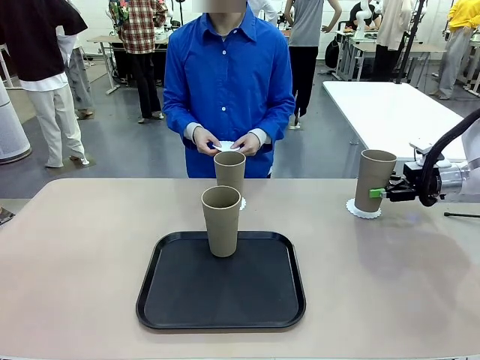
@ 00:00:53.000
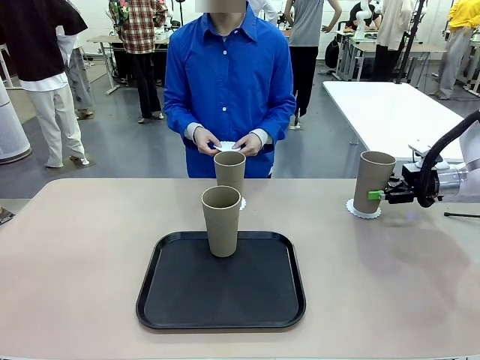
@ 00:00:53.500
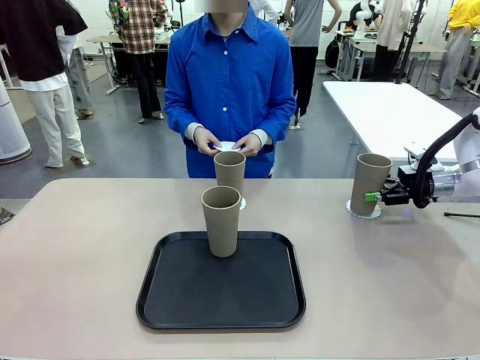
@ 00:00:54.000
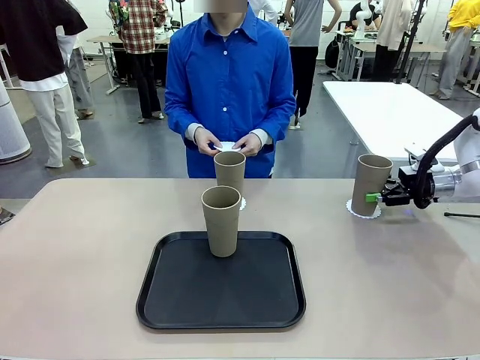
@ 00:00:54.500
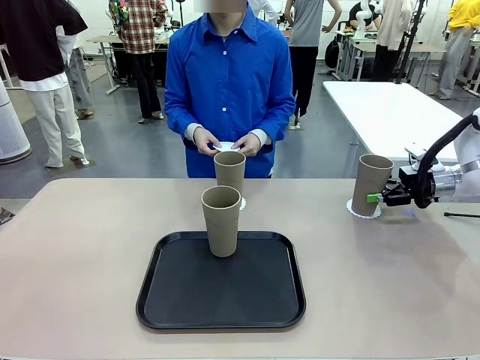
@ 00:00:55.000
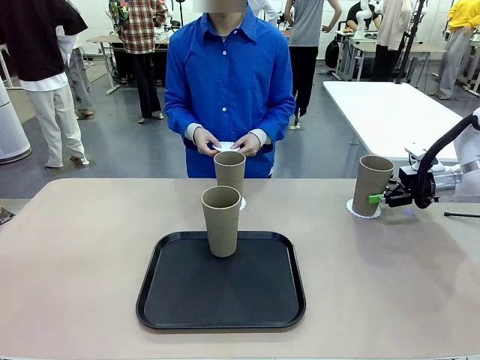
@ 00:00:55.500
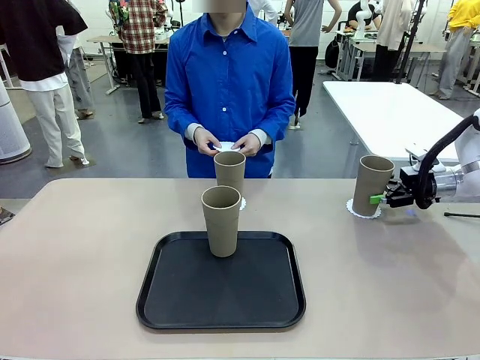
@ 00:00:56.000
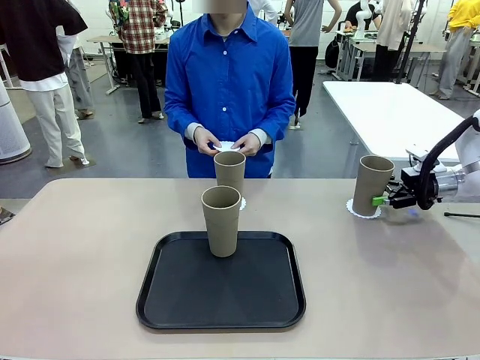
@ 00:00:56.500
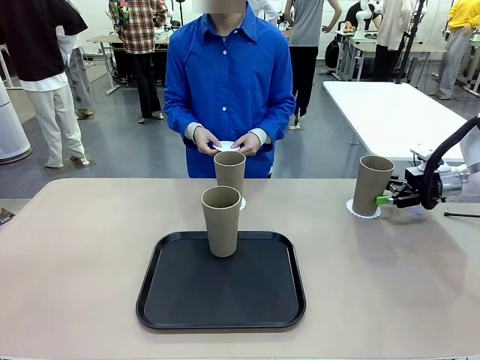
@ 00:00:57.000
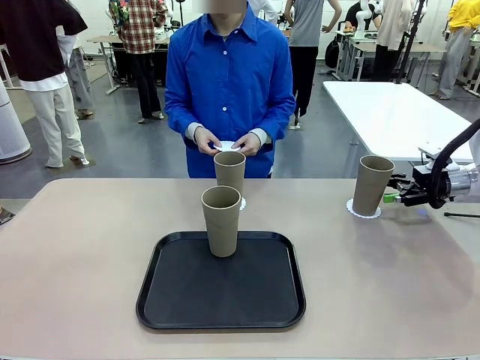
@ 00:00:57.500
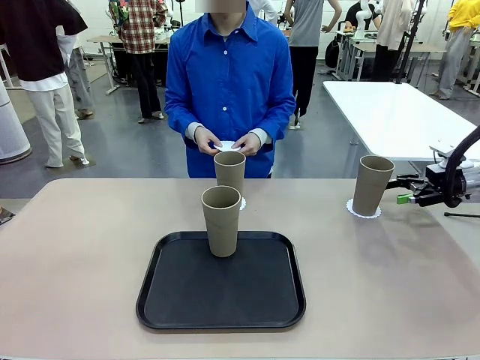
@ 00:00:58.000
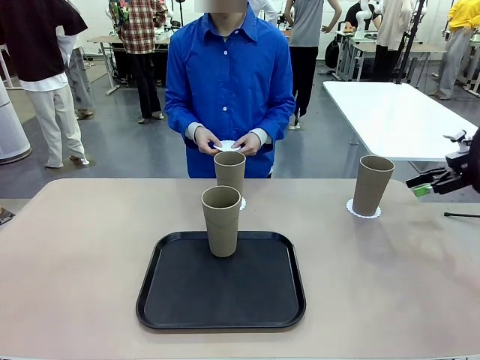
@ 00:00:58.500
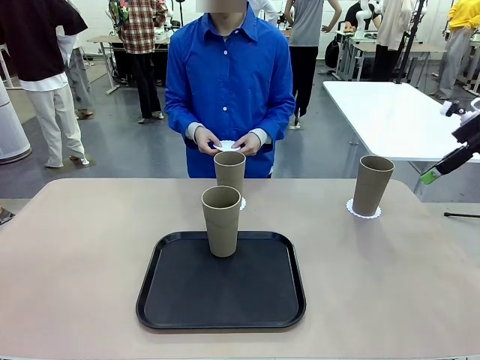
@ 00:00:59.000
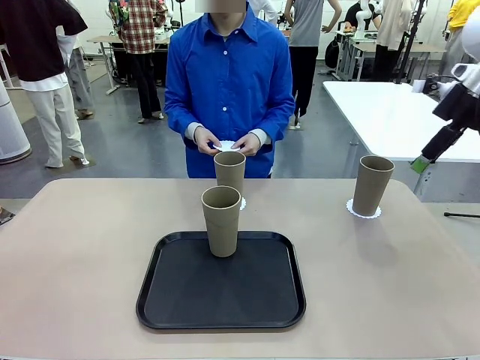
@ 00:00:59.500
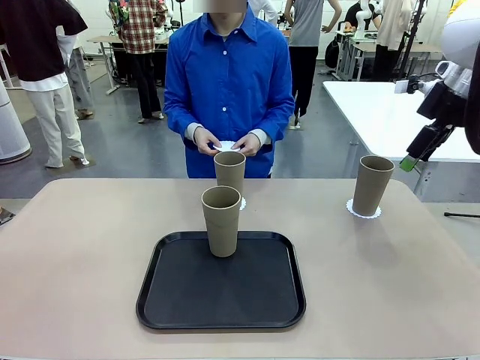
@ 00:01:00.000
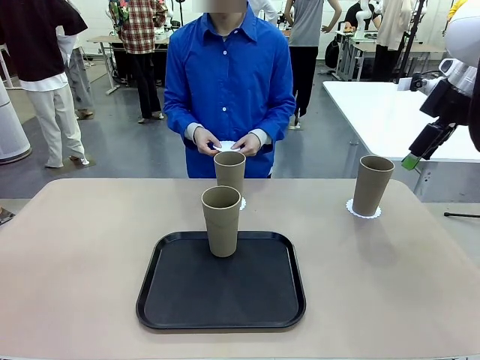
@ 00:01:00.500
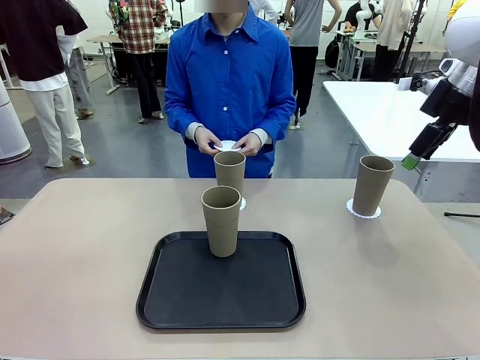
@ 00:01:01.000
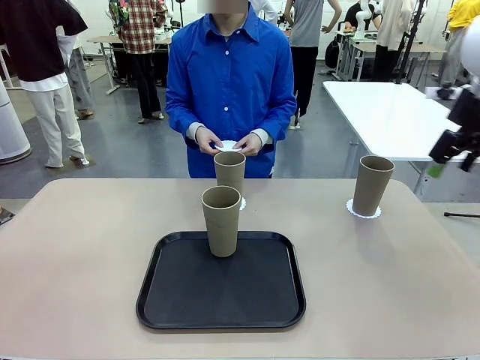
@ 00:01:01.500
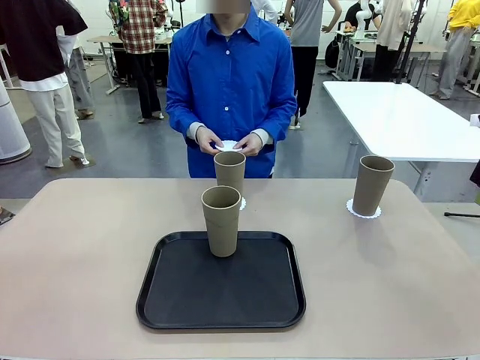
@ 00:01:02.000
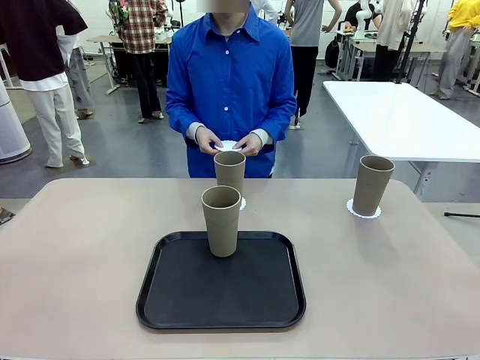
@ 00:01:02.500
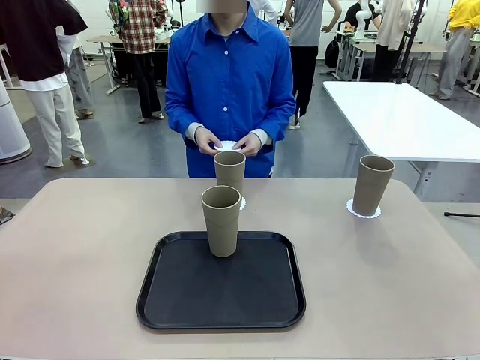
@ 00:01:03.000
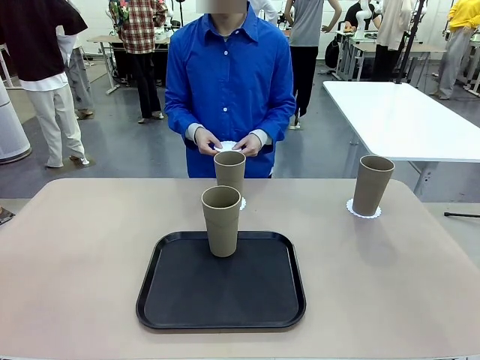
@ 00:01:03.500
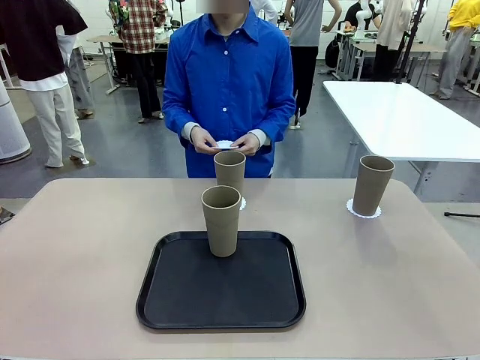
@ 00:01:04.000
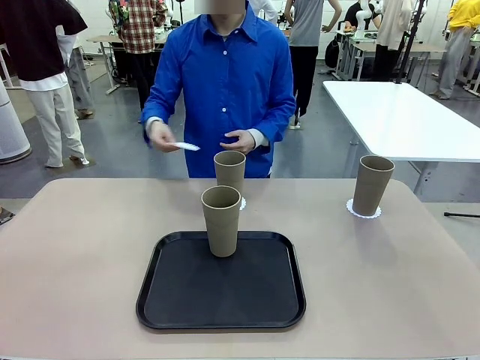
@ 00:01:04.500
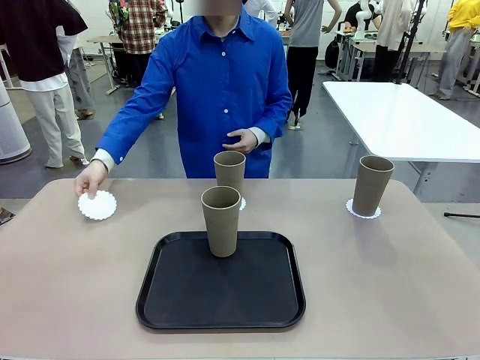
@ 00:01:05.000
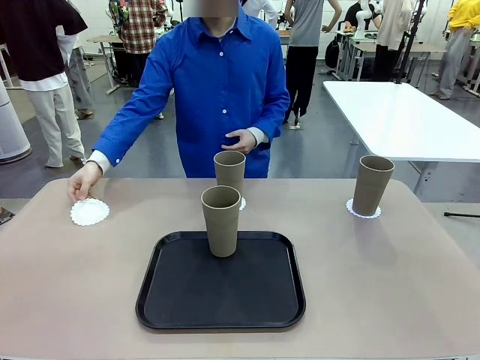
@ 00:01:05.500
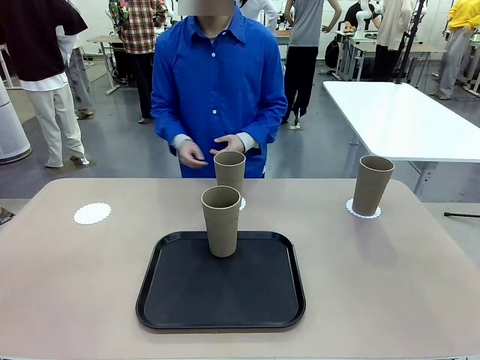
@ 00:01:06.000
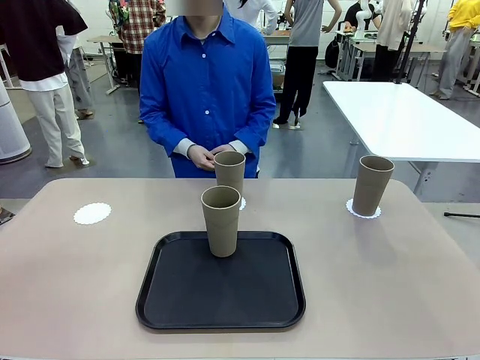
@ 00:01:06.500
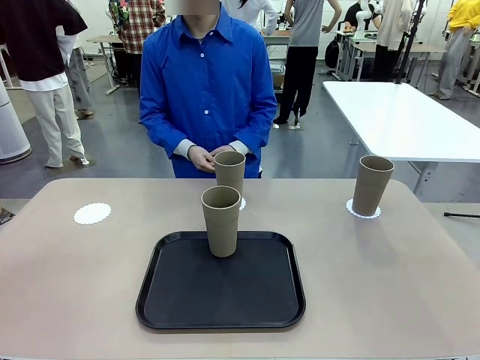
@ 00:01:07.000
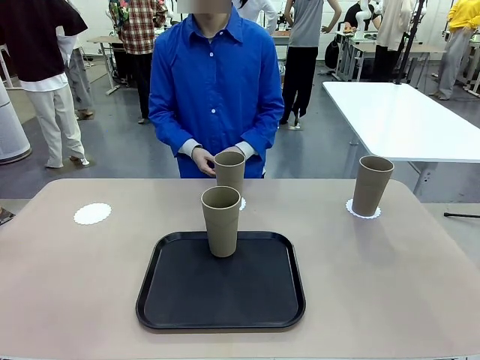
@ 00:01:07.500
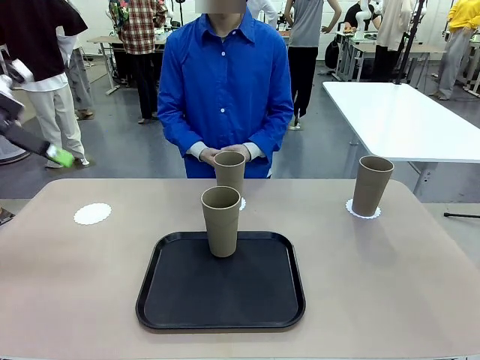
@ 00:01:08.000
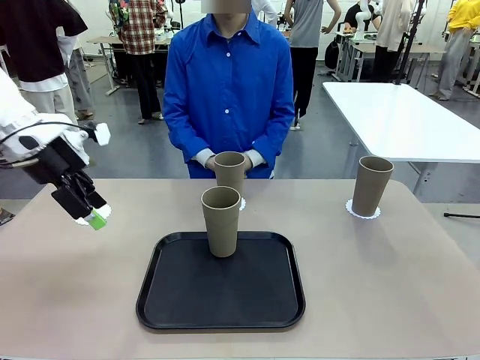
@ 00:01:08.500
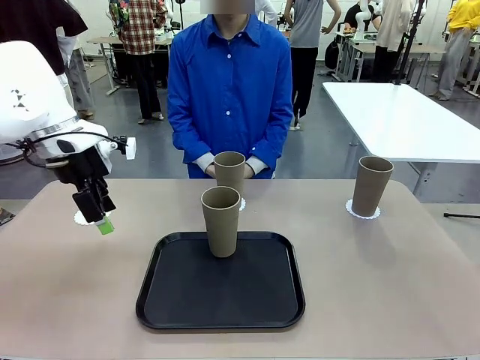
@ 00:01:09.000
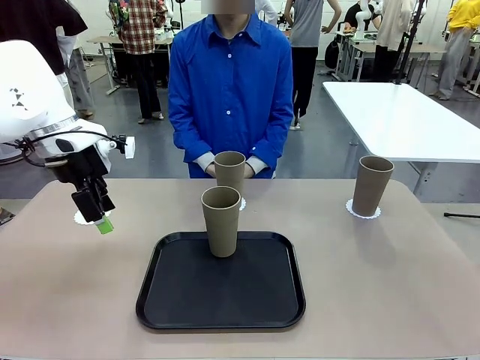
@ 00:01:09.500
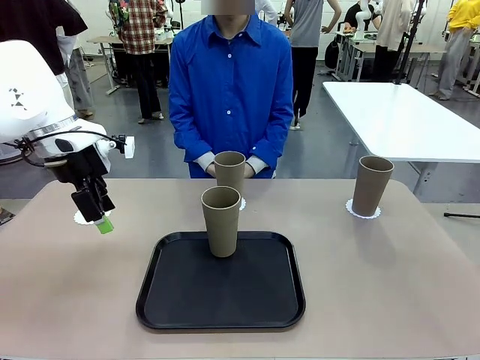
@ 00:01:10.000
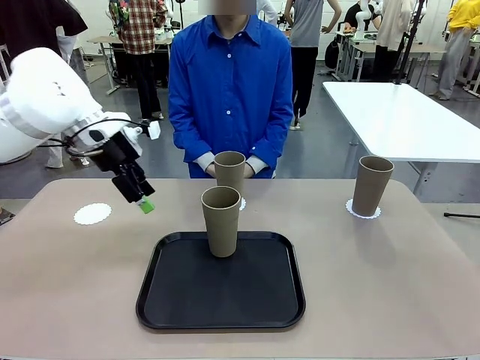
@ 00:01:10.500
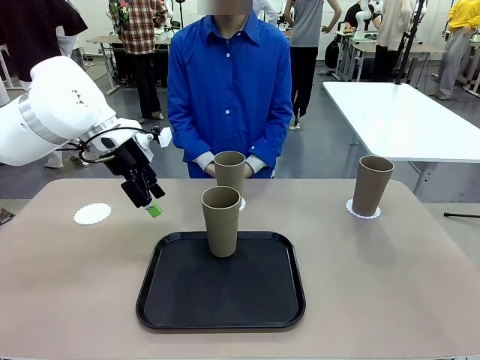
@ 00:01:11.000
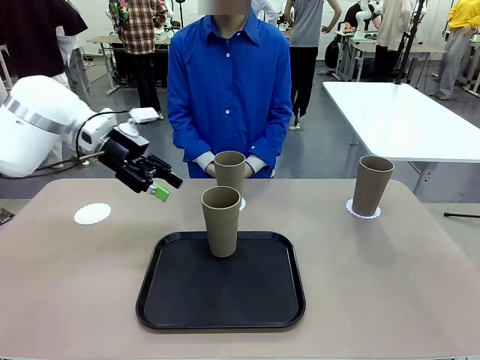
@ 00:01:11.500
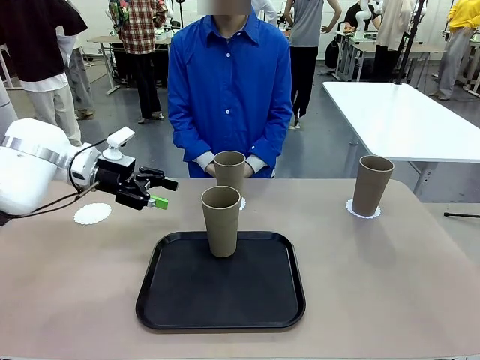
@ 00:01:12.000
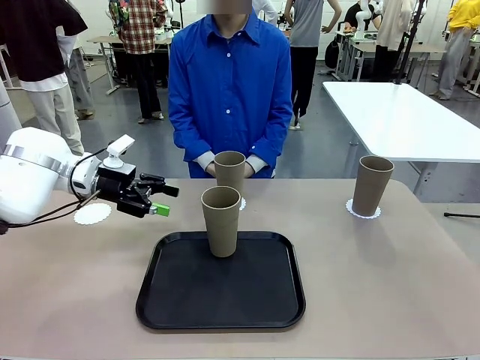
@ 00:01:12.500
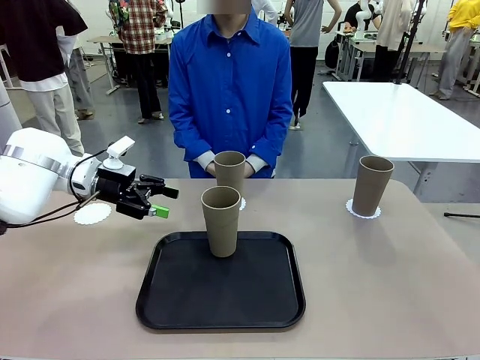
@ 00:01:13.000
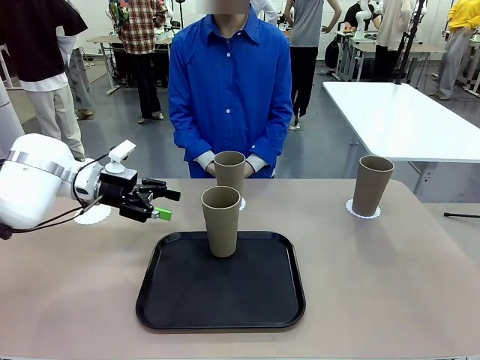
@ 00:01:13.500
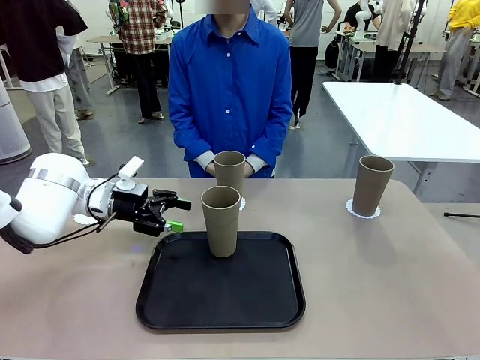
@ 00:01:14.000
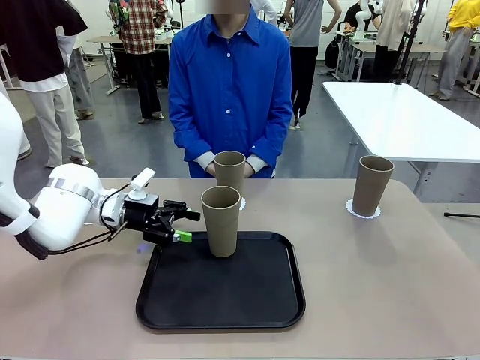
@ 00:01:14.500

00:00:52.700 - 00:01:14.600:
Task: Place coasters on the table and set cups on them.
Robot: Take one Reusable plastic cup from the Flat Tray and place it on a coaster set by the human.
